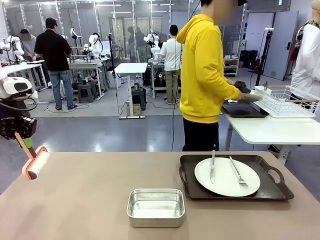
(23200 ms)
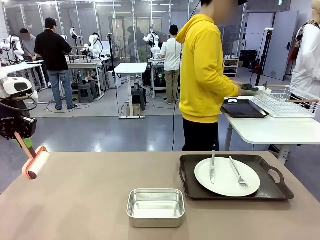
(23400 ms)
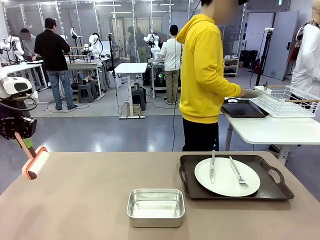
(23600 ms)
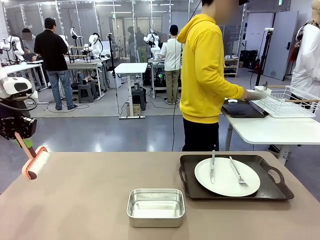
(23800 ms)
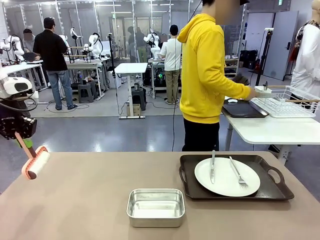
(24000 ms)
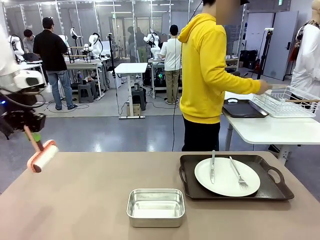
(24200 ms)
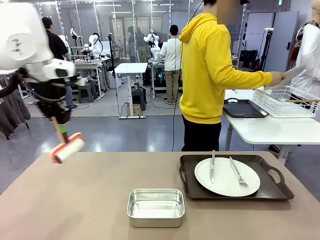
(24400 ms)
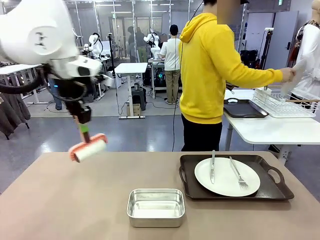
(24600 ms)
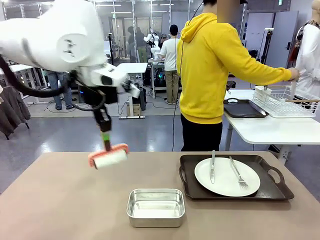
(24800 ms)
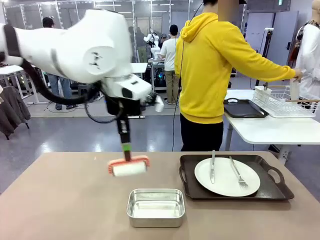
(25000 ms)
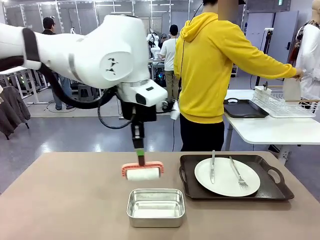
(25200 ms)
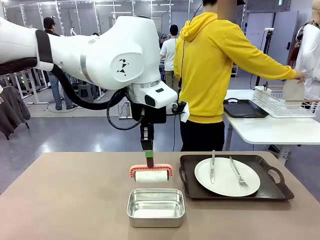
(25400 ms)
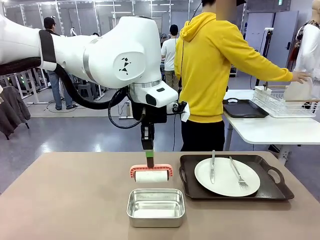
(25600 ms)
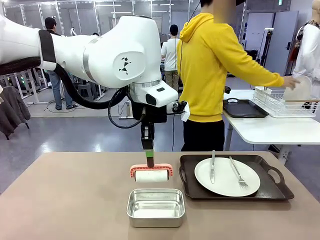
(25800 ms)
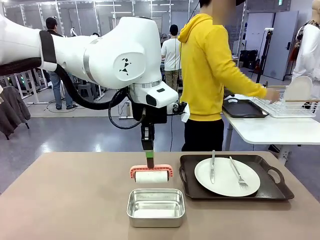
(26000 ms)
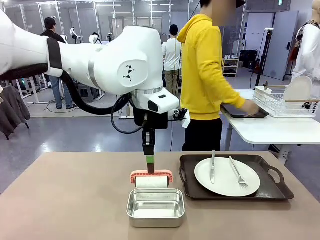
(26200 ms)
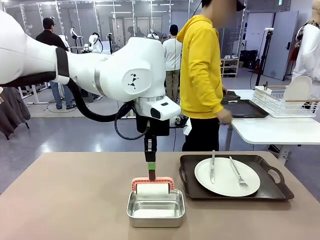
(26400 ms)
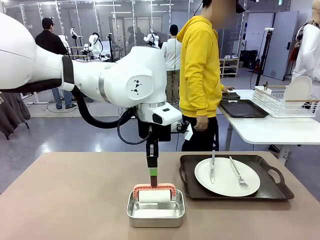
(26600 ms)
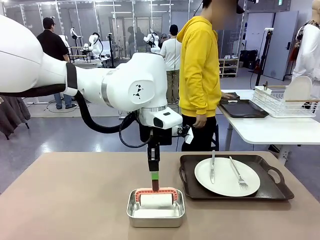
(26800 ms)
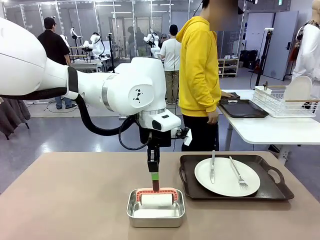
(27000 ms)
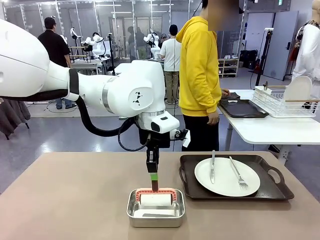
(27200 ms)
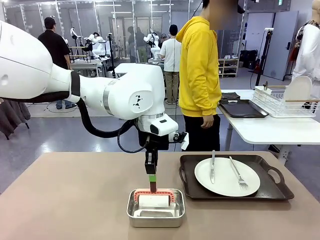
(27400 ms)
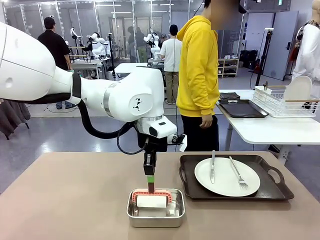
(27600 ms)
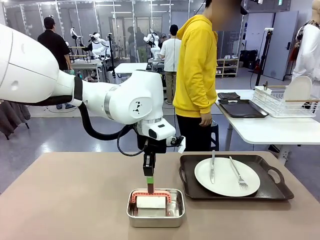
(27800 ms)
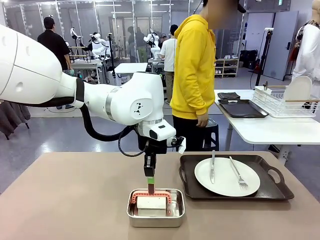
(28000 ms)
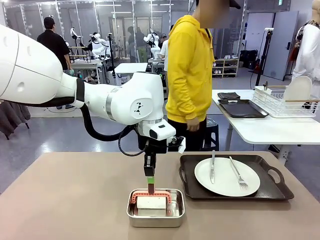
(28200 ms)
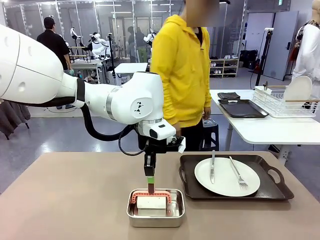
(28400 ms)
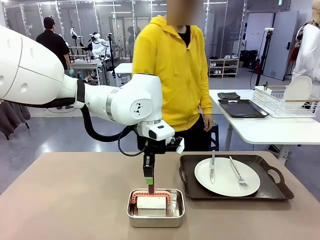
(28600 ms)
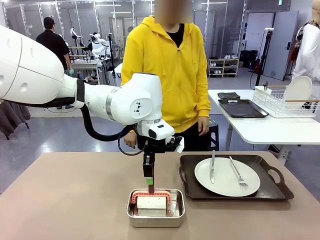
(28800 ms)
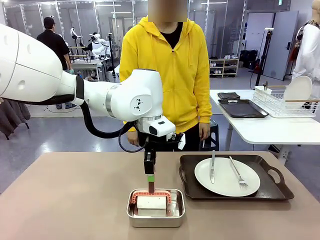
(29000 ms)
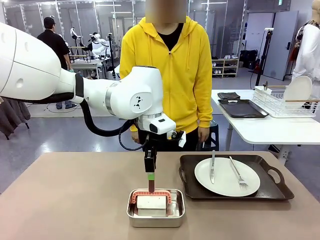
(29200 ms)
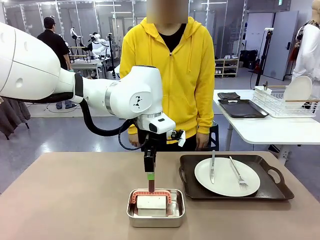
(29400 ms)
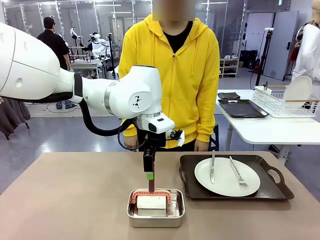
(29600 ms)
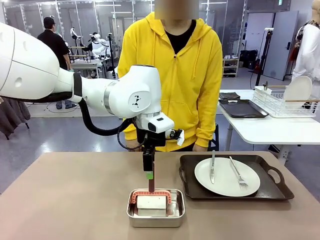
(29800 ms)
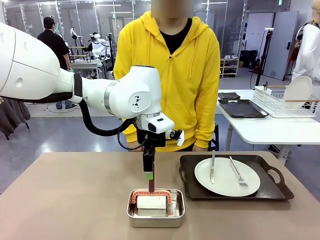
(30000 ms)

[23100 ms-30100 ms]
Robot: Place the Lint Roller back on top of the Airtight Container.

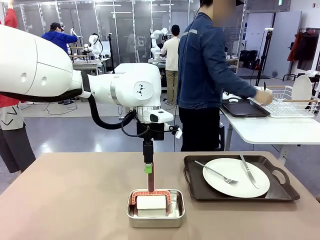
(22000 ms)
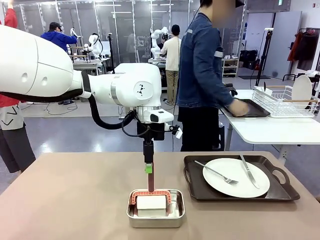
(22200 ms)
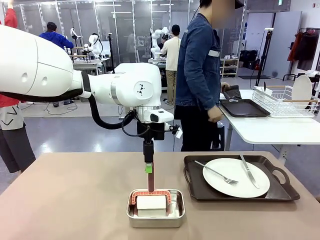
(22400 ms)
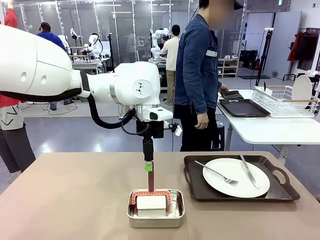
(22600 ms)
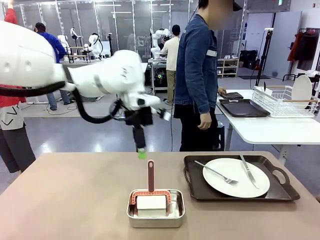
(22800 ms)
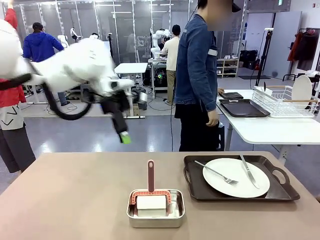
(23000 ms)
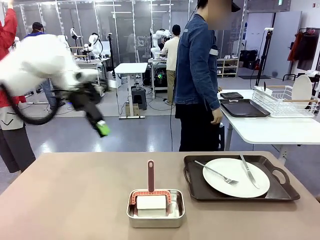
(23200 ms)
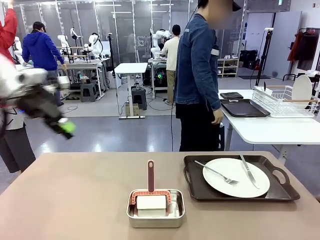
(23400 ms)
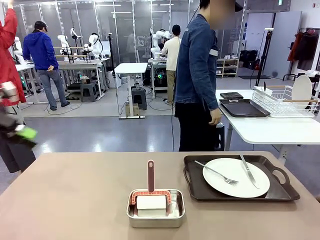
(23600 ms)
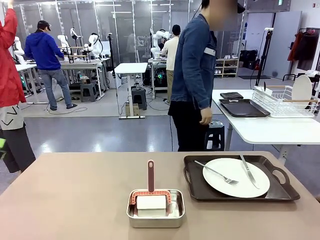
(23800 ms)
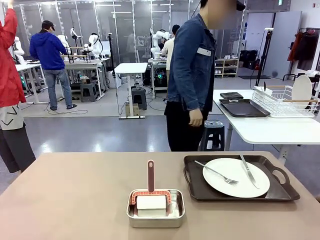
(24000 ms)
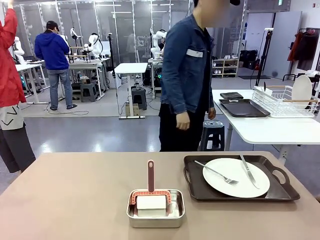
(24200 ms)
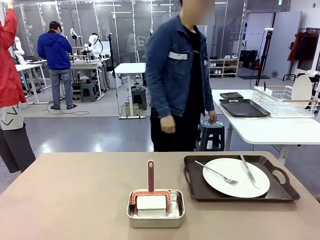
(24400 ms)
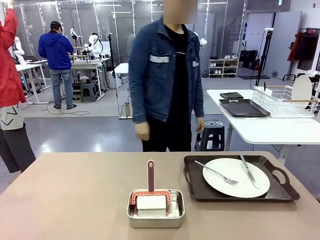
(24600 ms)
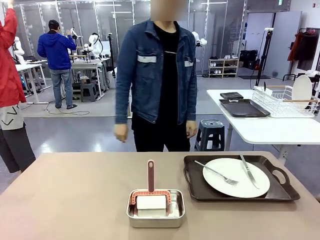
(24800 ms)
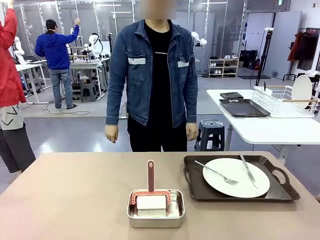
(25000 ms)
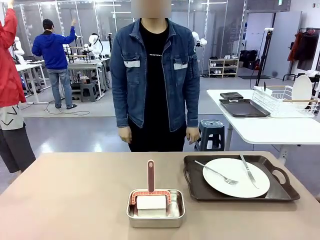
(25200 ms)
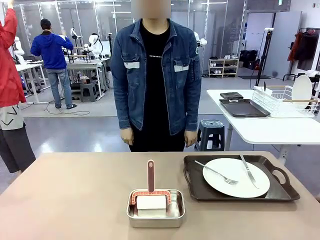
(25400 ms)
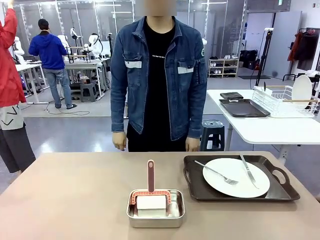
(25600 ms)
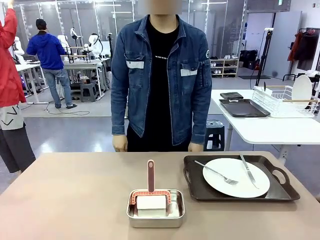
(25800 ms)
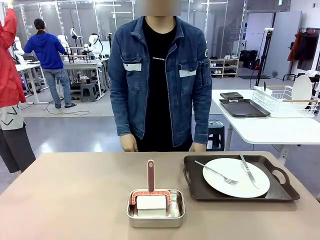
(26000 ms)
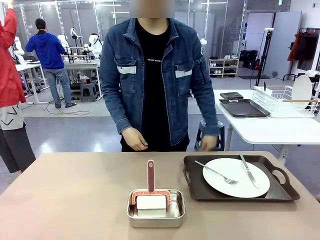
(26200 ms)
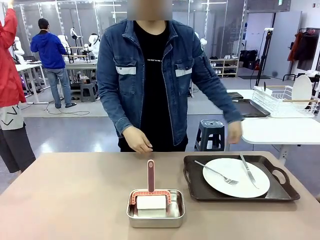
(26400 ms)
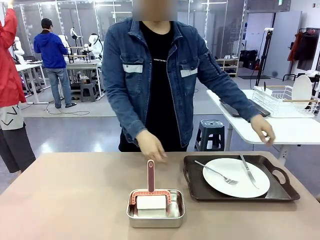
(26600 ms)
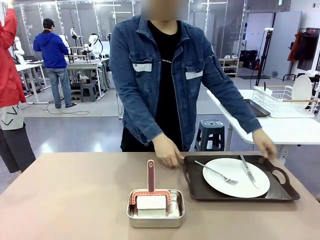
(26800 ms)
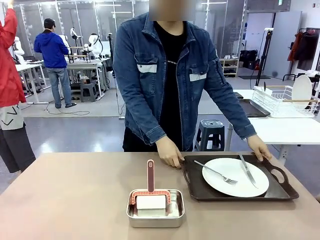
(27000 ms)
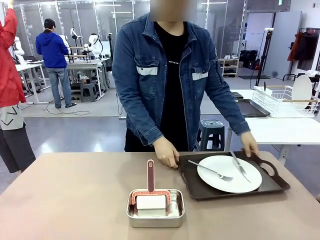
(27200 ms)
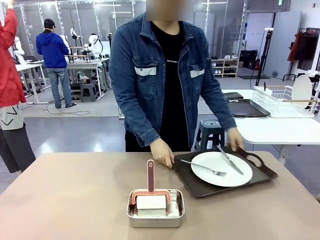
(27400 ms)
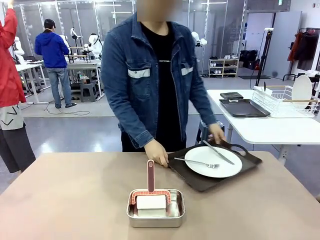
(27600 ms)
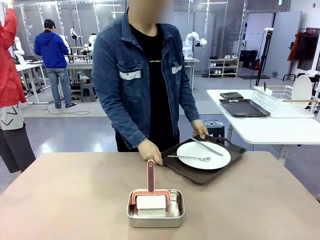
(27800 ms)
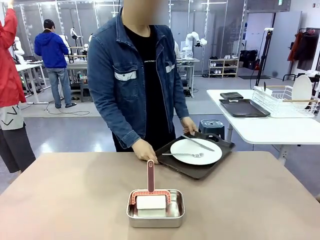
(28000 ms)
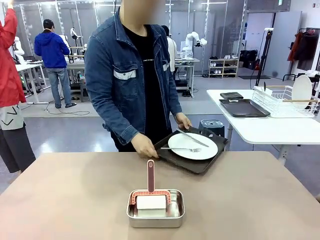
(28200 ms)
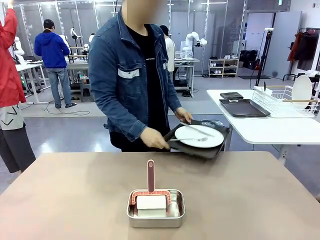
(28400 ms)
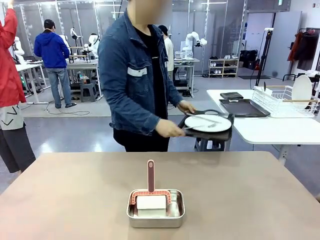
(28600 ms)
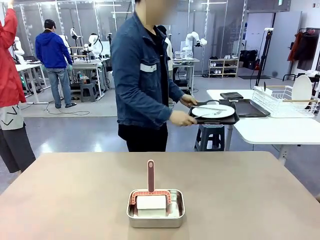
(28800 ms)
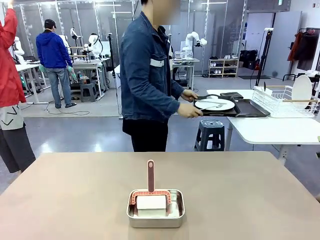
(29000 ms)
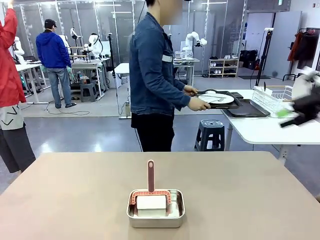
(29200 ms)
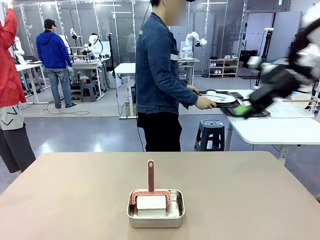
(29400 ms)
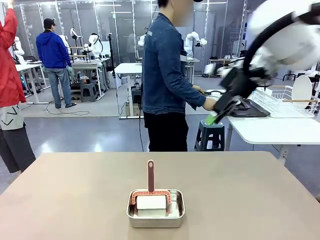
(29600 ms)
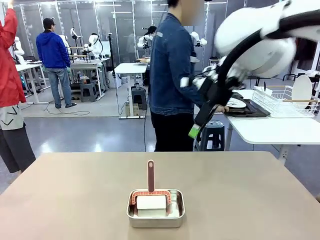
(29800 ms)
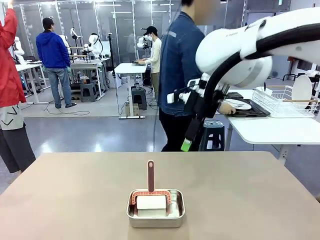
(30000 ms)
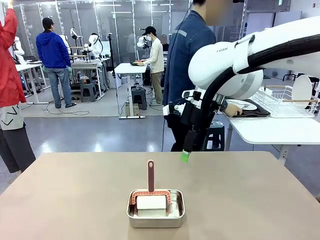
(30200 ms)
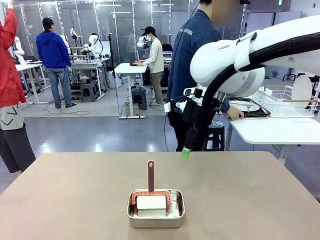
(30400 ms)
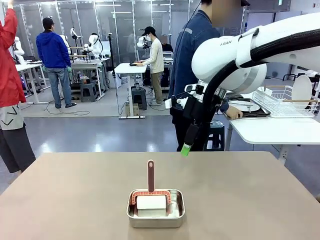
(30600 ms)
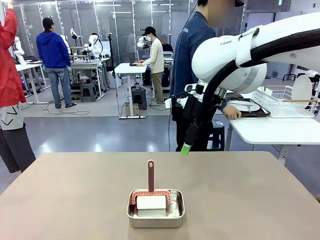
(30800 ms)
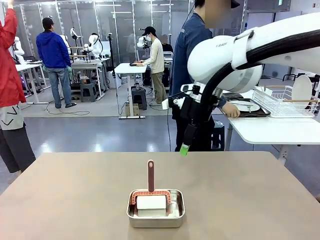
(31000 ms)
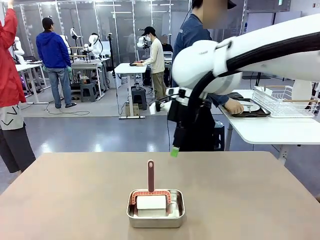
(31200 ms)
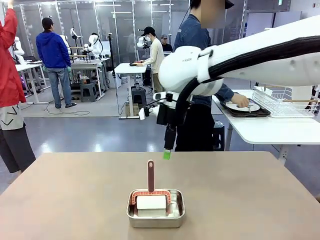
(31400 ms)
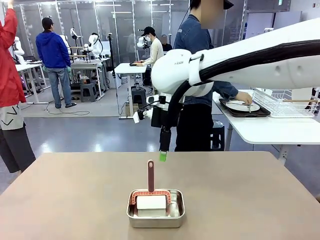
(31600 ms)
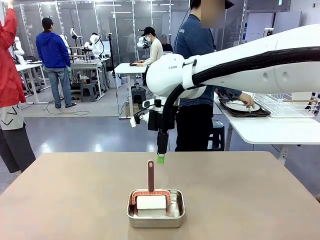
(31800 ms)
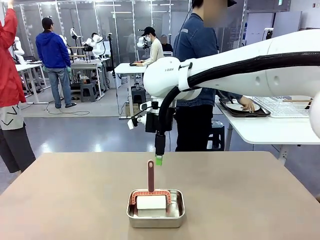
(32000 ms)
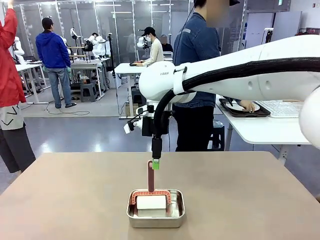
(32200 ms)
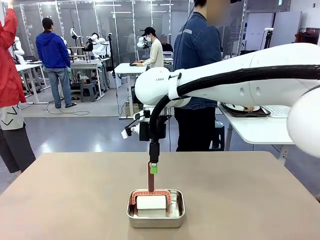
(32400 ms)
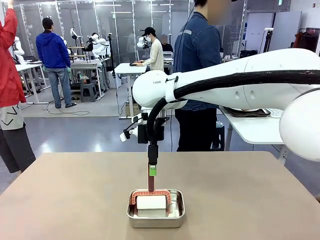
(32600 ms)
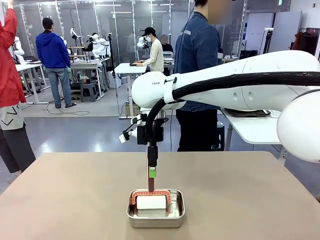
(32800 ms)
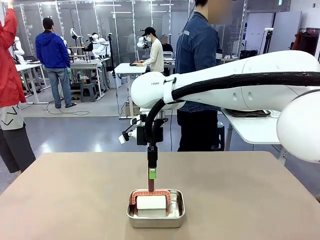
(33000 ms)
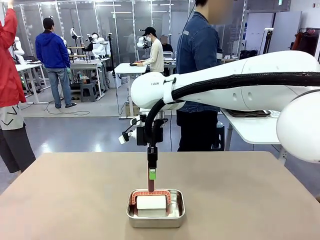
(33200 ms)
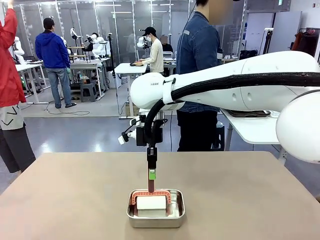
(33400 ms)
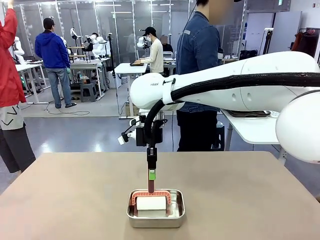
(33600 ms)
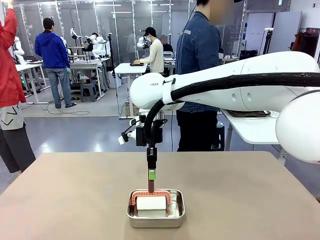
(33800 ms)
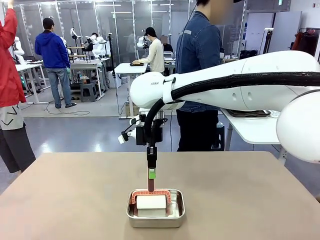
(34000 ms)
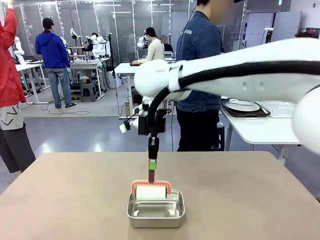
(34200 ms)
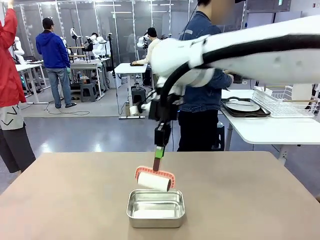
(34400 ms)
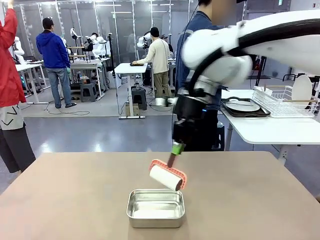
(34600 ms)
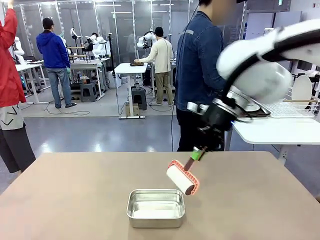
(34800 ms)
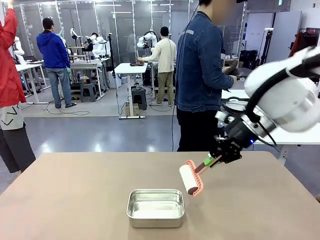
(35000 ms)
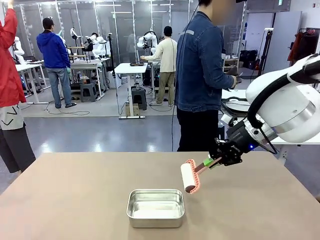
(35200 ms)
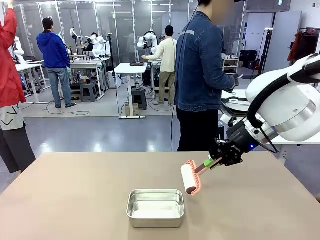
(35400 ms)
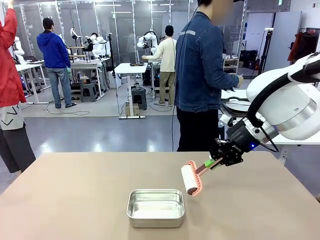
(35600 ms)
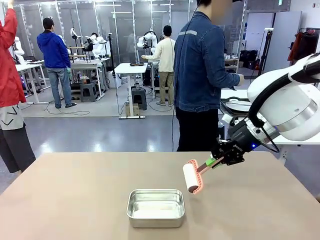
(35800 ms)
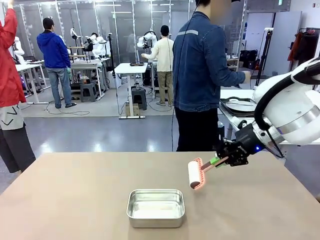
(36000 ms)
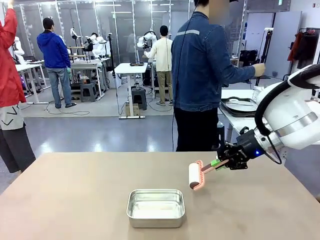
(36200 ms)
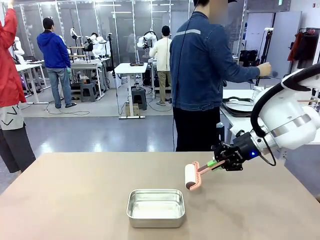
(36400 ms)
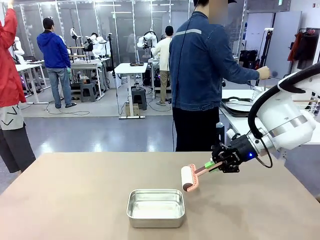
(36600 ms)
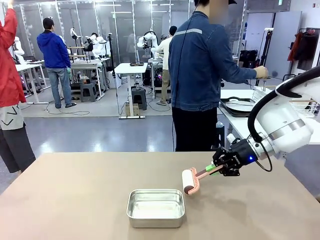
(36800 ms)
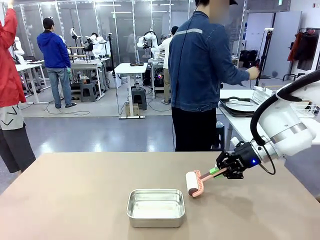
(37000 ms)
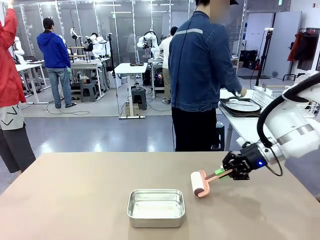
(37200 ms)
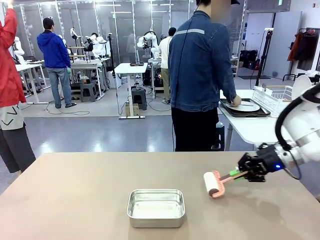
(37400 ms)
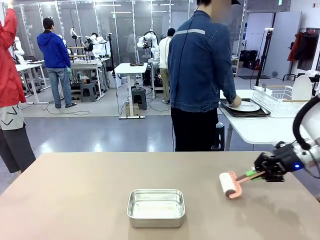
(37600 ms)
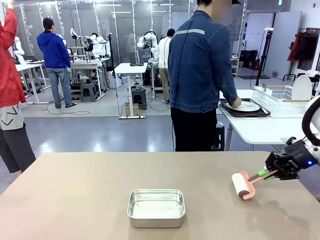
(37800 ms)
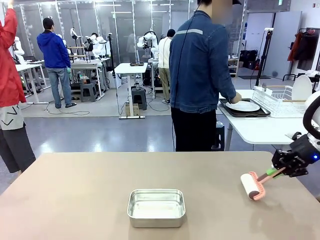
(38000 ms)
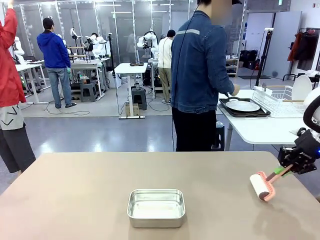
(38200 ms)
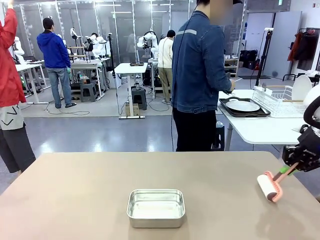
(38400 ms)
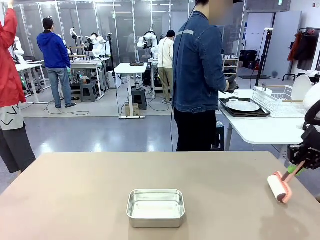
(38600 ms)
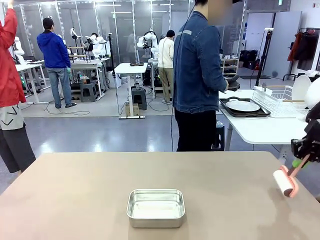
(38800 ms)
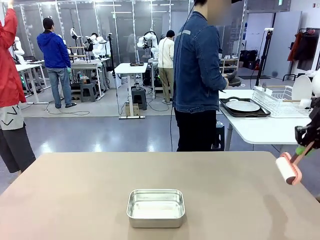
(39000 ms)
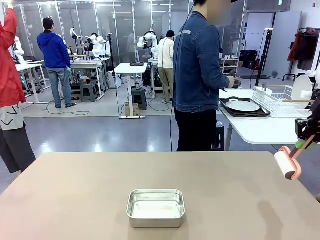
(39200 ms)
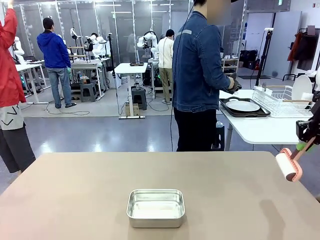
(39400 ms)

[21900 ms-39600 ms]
Robot: When the right (or left) Handle tray is removed, use the right hand (or left hand) to clean the right (or left) side of the table with the Lint Roller.
Person: Pick up the left (or right) Handle tray and place it on the Handle tray.
